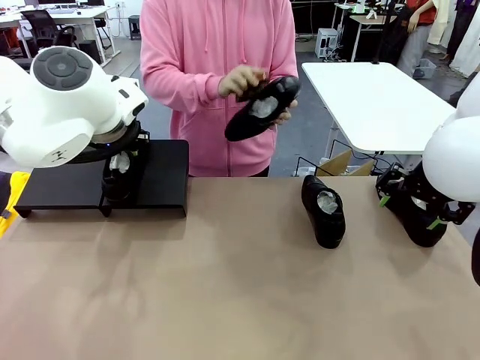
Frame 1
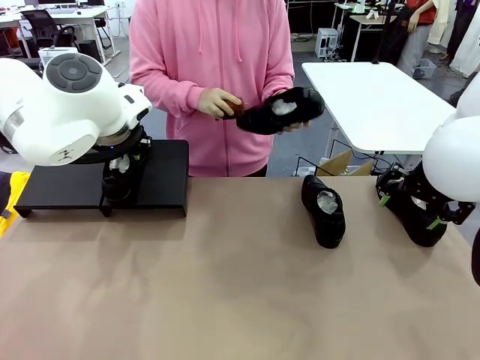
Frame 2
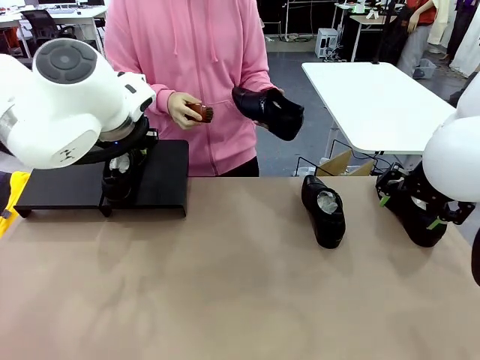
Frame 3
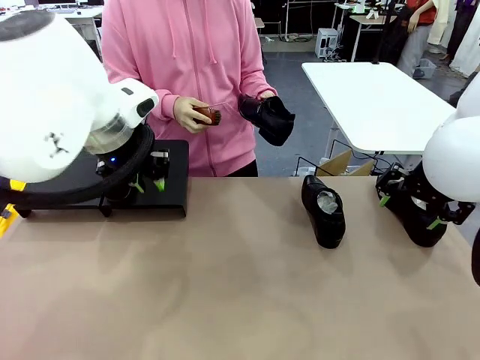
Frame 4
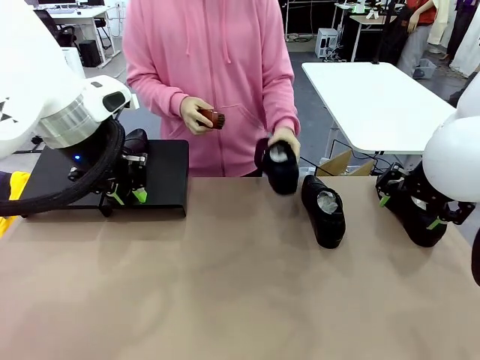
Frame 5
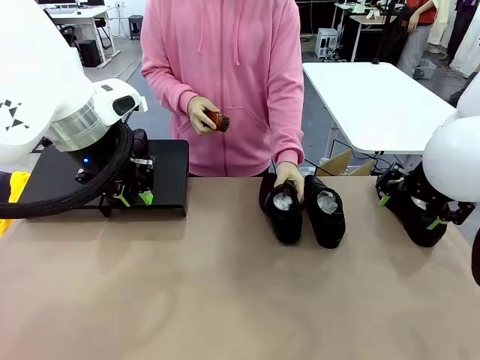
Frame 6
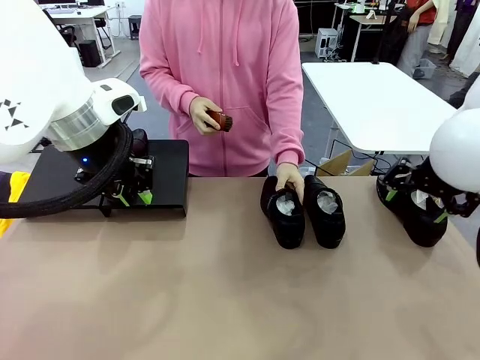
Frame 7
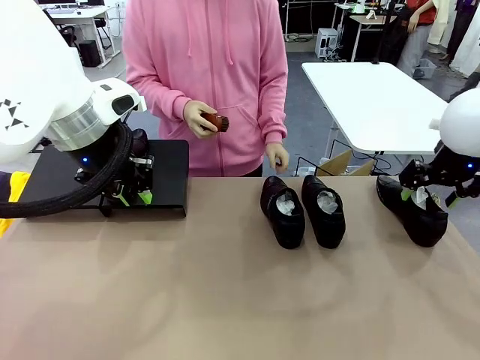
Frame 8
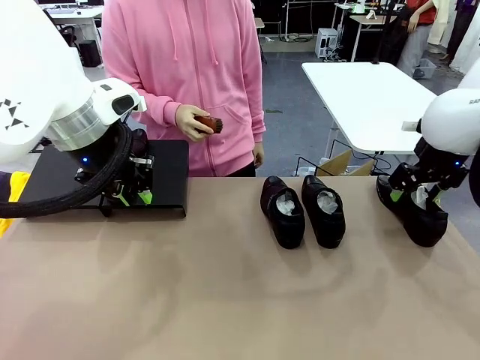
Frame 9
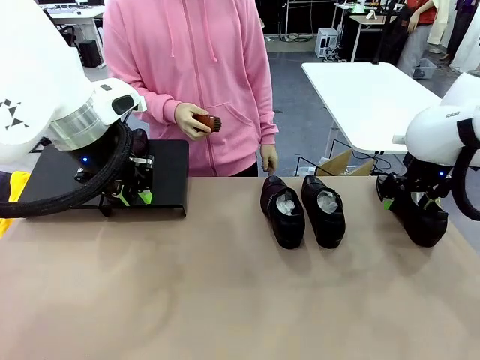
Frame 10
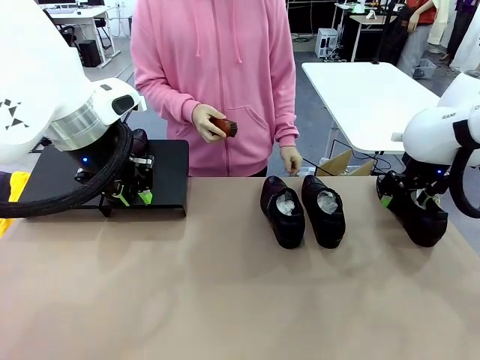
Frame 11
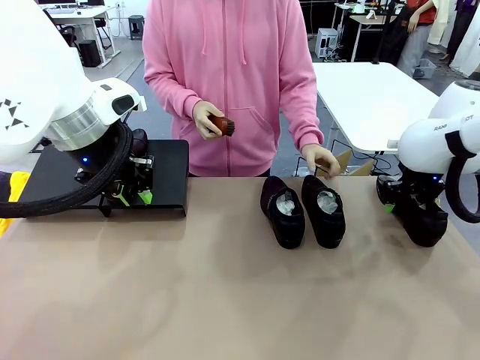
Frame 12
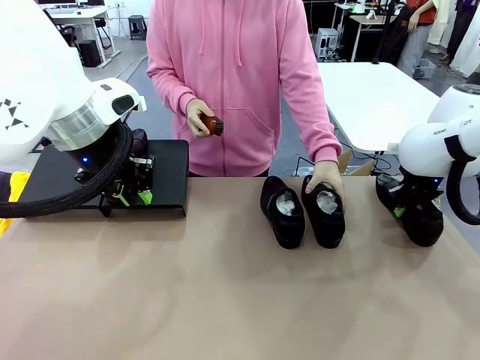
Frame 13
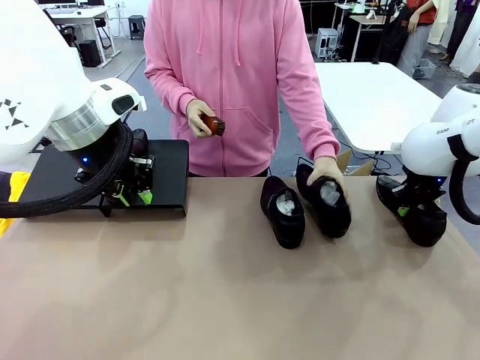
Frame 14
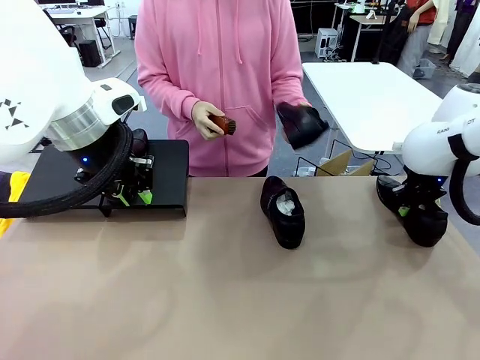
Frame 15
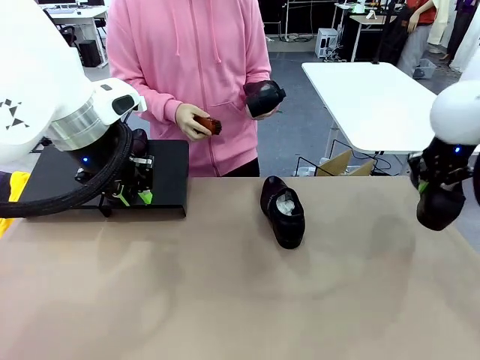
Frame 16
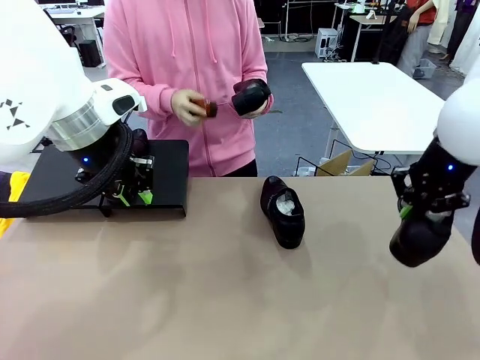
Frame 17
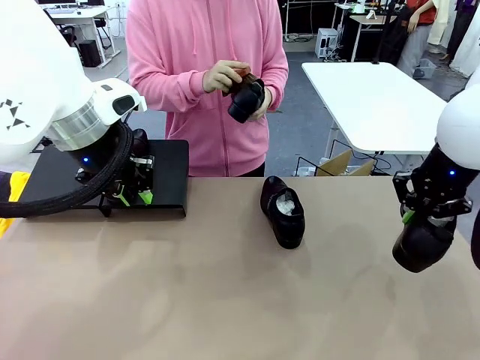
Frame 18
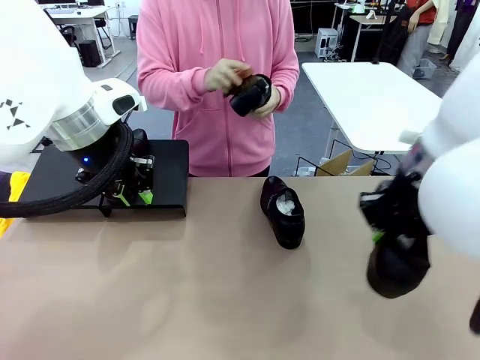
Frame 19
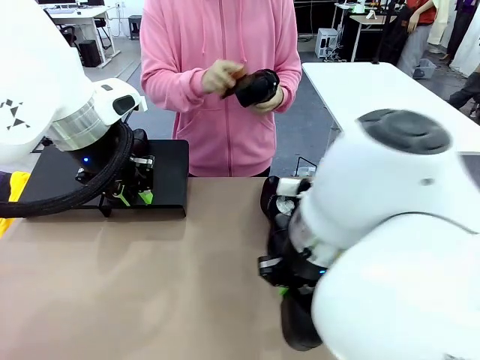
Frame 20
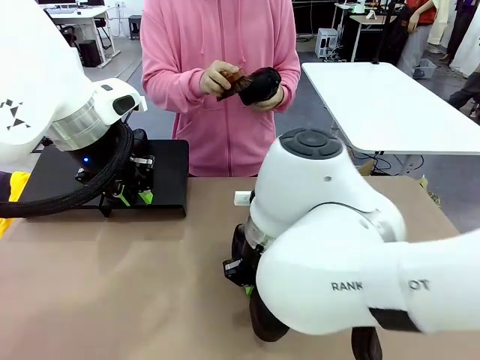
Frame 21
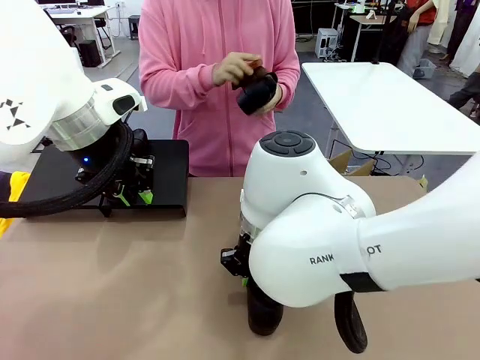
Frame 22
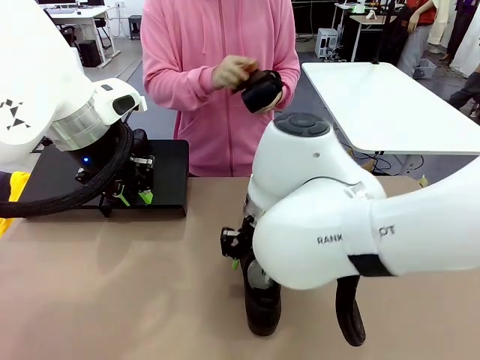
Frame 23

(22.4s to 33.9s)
Task: Organize the shoes by placing them on the stand.
Robot: Pick up one Shoe and place it in the middle of the table.
Person: Place the Shoe on left side of the Robot's table. Pick one Shoe on Robot's table.

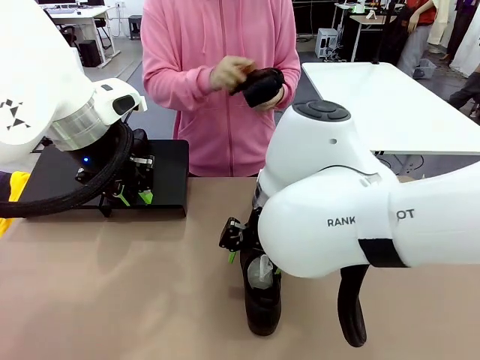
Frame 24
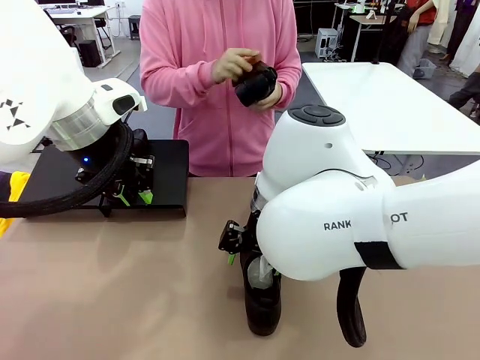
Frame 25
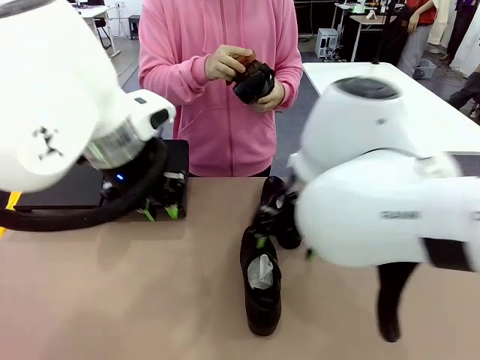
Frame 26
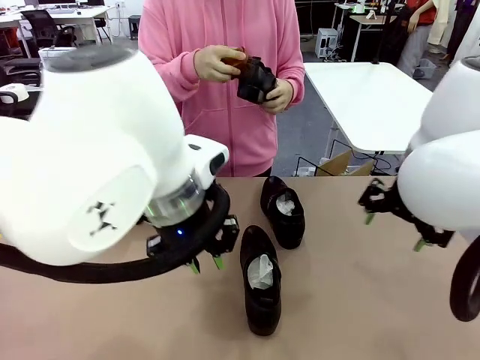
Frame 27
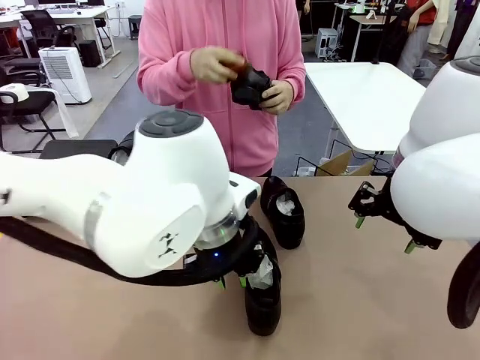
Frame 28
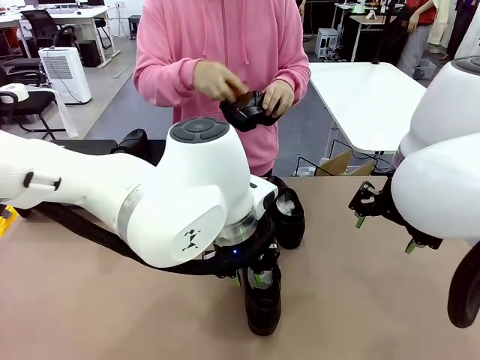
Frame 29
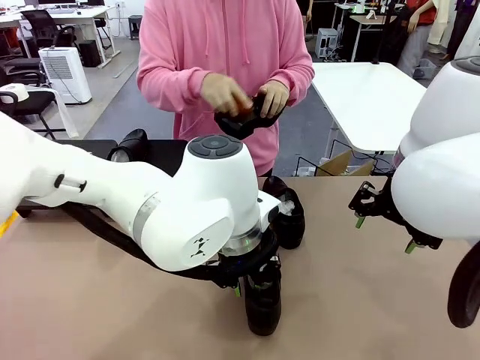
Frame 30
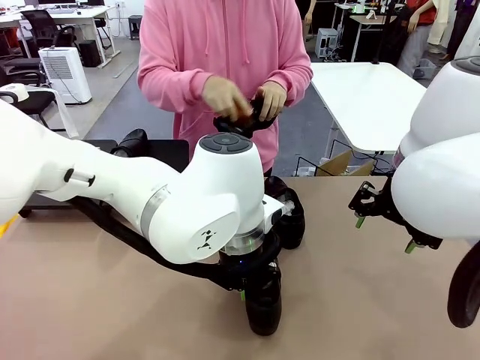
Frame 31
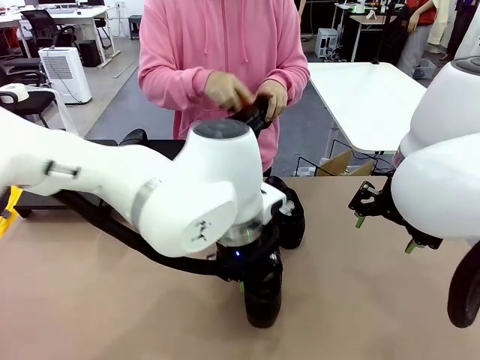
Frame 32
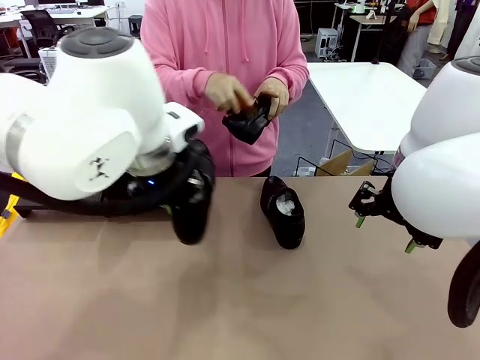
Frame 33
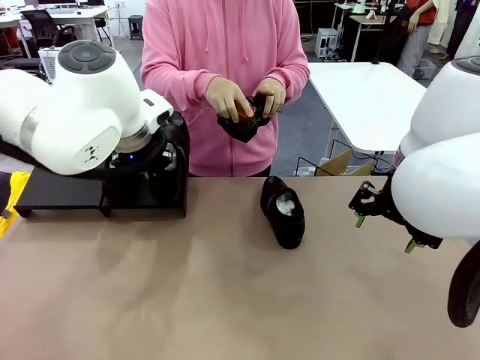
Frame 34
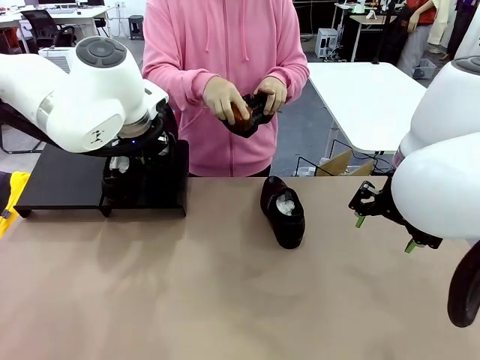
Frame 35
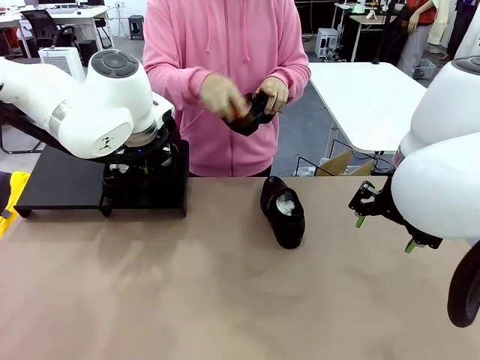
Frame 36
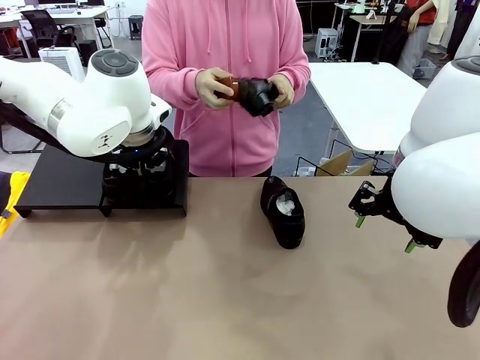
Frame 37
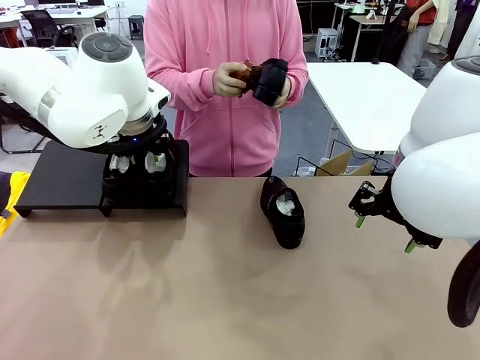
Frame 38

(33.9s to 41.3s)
Robot: Place the Shoe from the middle of the table onto the Shoes Stand.

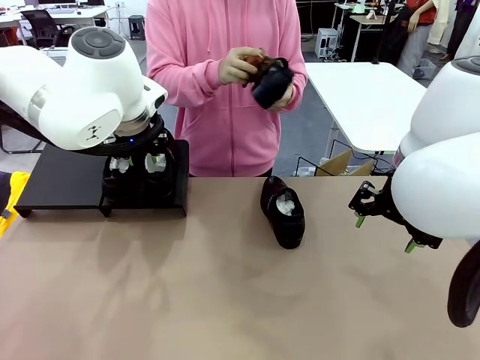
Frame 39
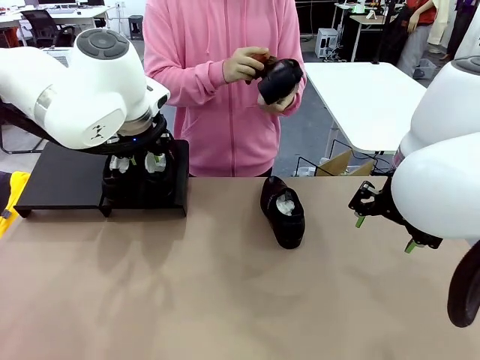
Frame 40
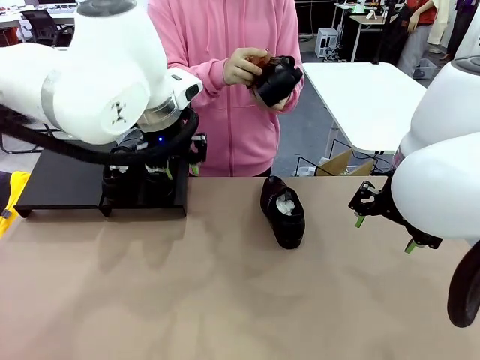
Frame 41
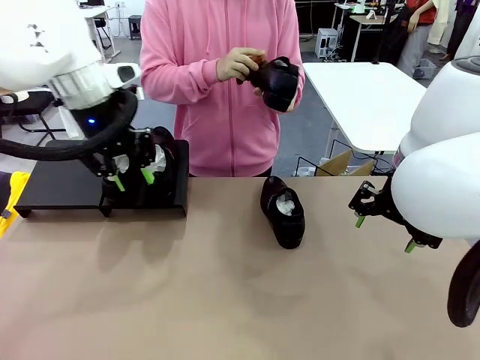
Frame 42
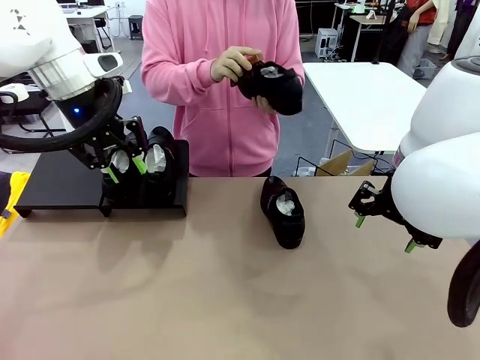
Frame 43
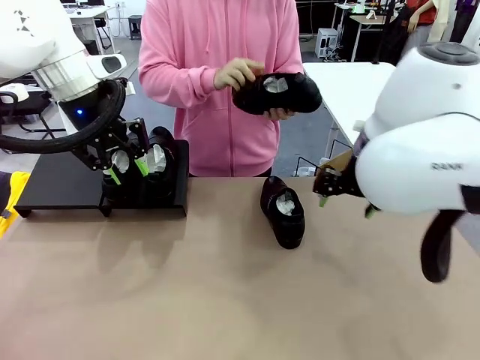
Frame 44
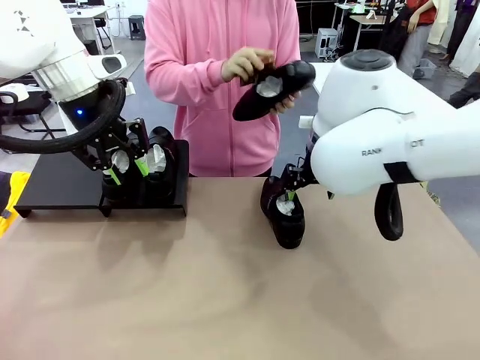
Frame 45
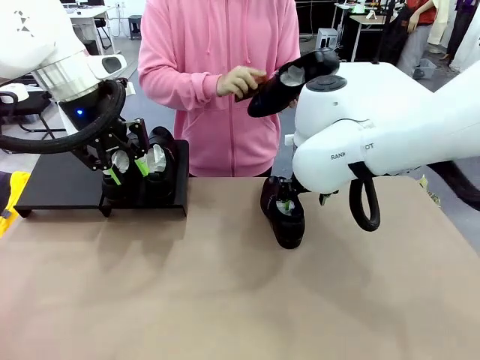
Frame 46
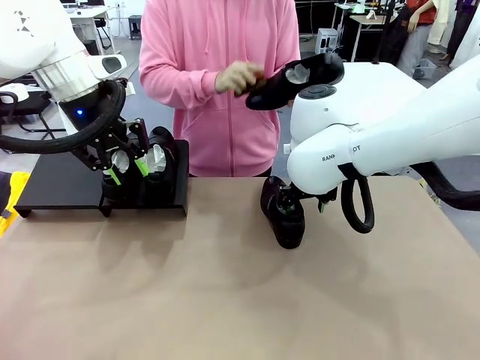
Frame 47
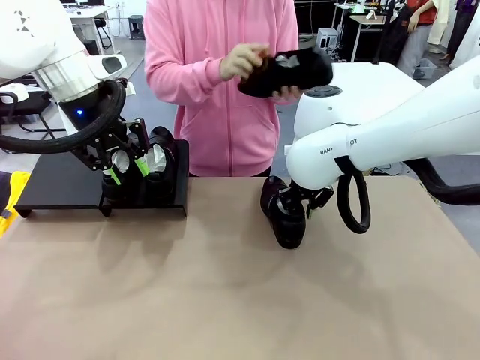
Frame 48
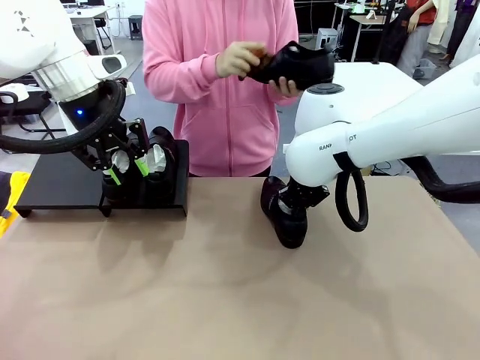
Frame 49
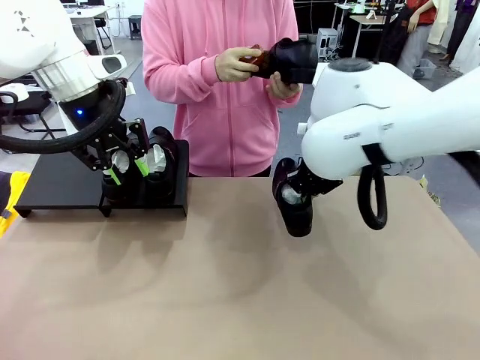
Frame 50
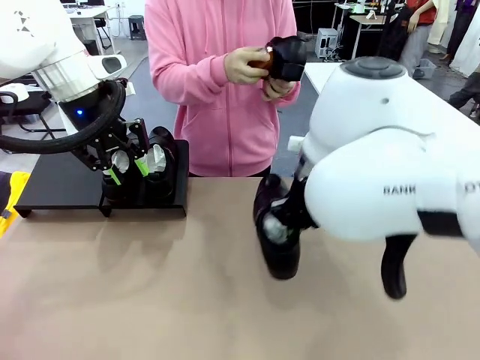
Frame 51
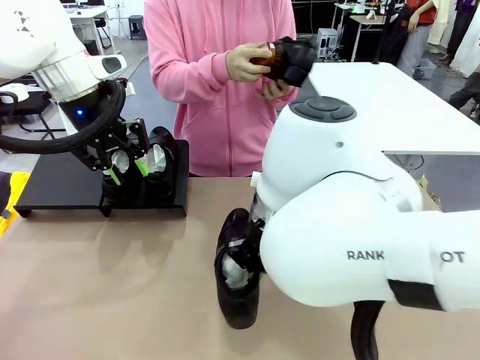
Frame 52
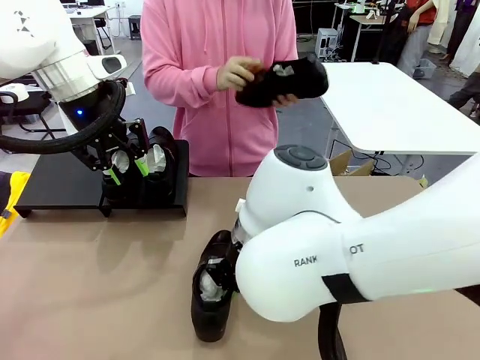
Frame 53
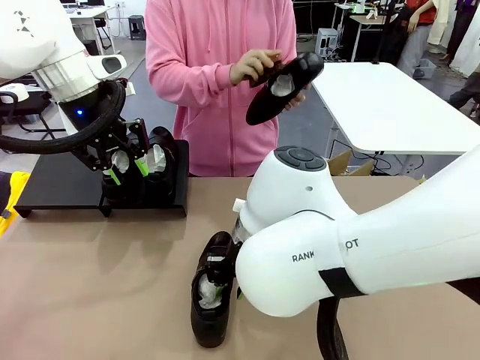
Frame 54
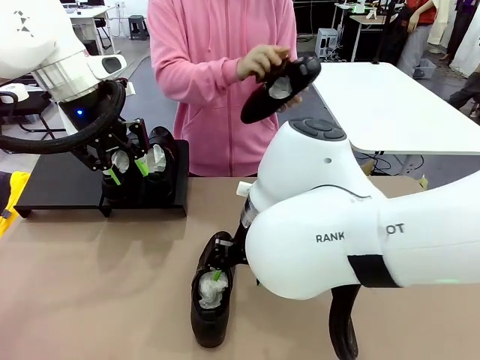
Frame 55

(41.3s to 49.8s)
Robot: Pick up one Shoe and place it in the middle of the table.
